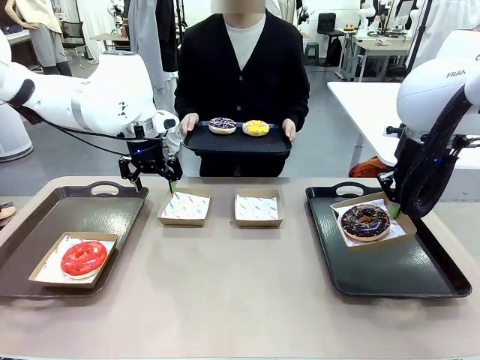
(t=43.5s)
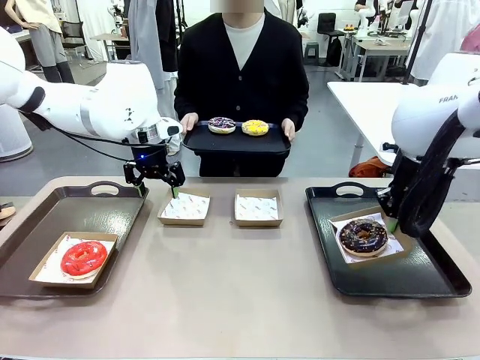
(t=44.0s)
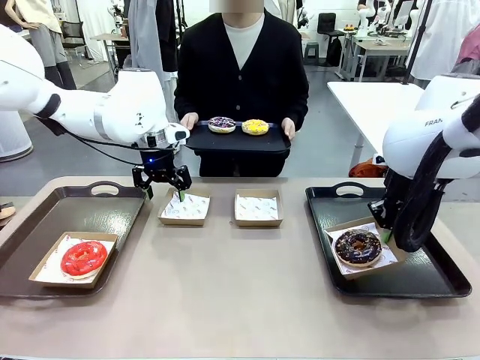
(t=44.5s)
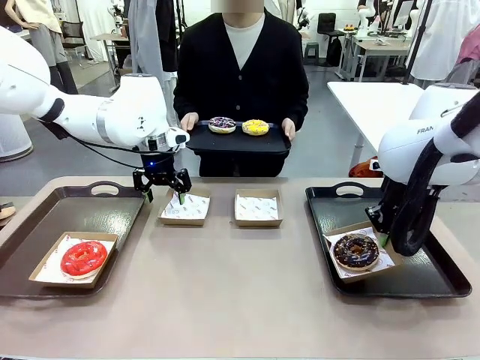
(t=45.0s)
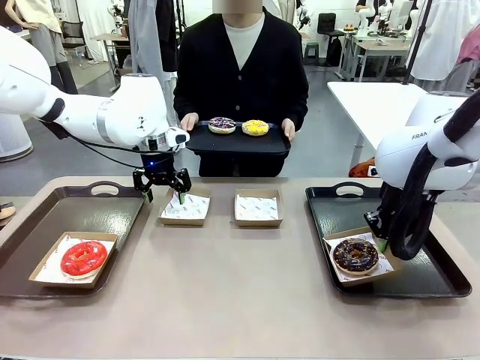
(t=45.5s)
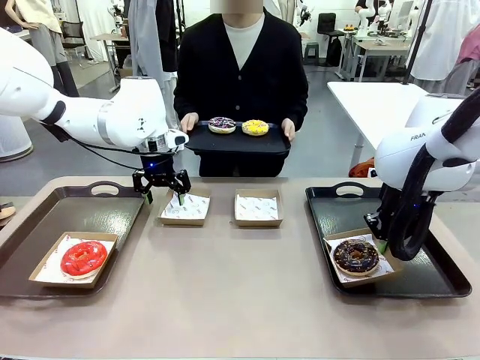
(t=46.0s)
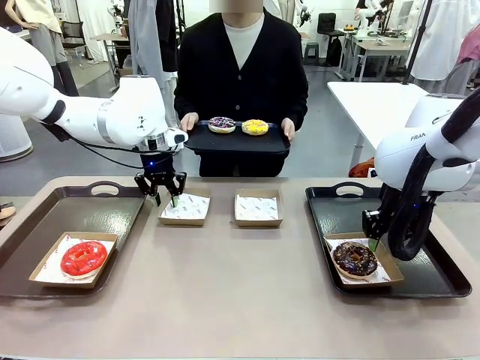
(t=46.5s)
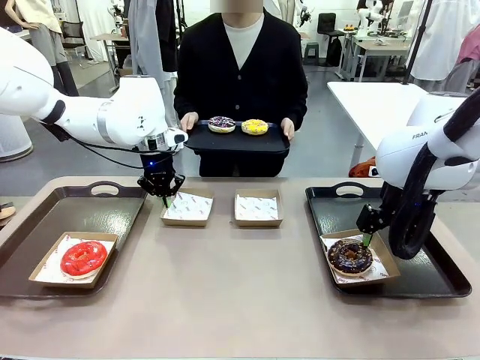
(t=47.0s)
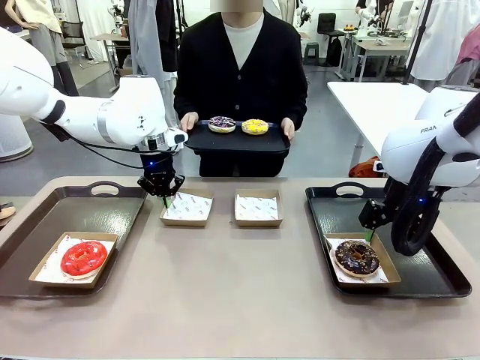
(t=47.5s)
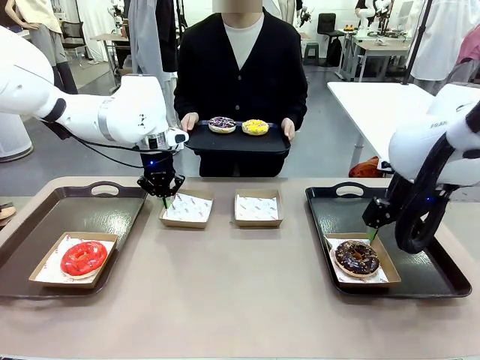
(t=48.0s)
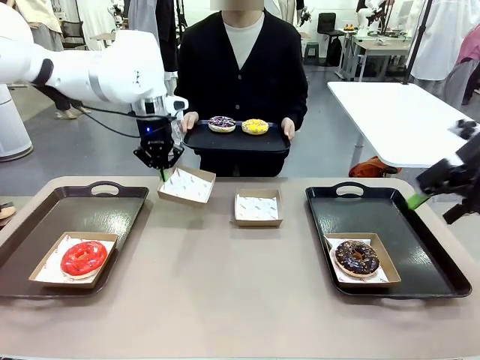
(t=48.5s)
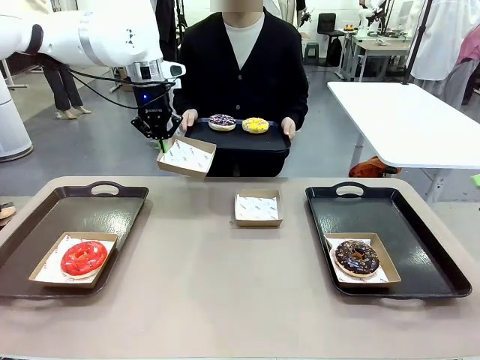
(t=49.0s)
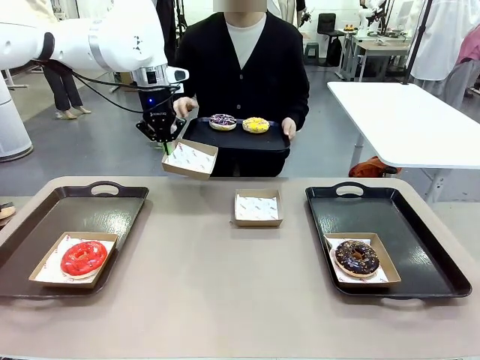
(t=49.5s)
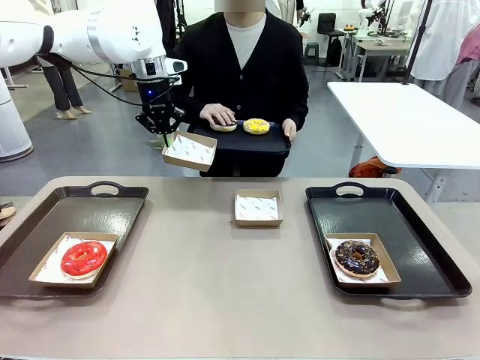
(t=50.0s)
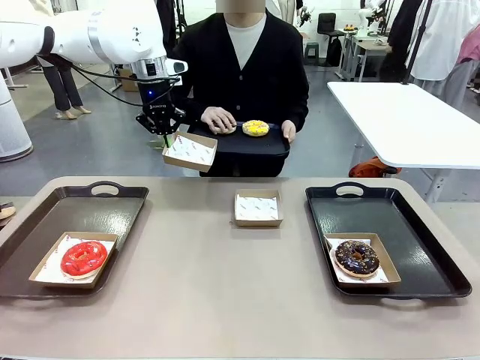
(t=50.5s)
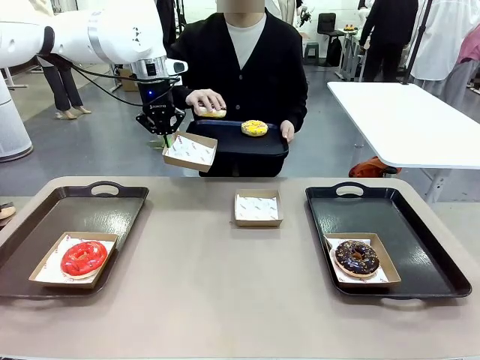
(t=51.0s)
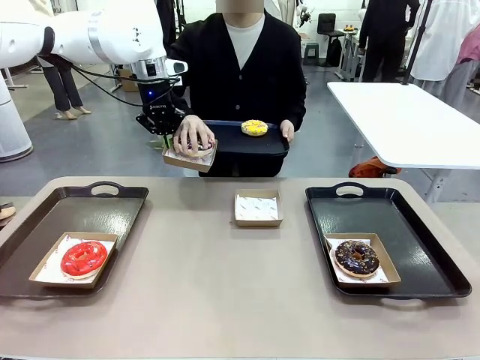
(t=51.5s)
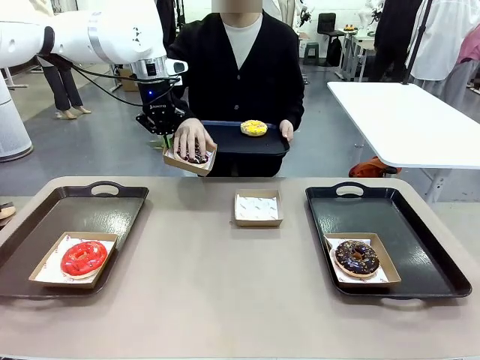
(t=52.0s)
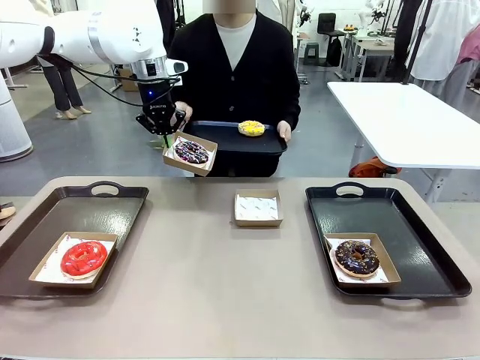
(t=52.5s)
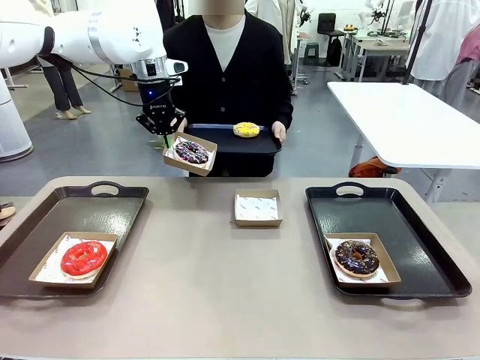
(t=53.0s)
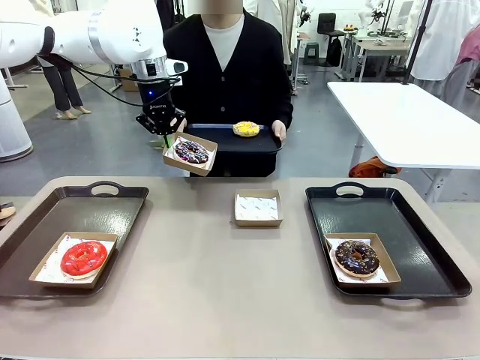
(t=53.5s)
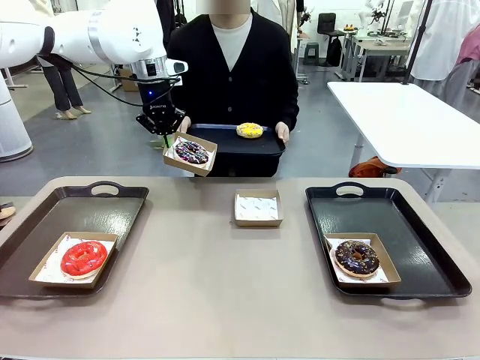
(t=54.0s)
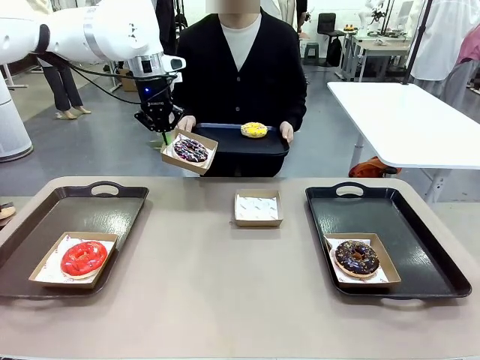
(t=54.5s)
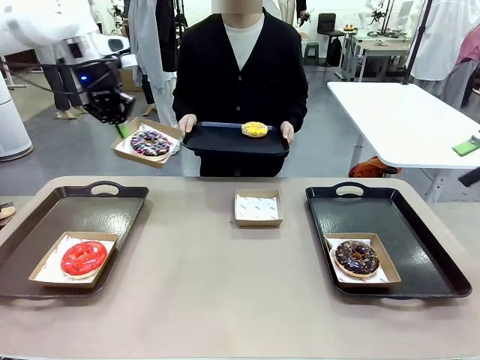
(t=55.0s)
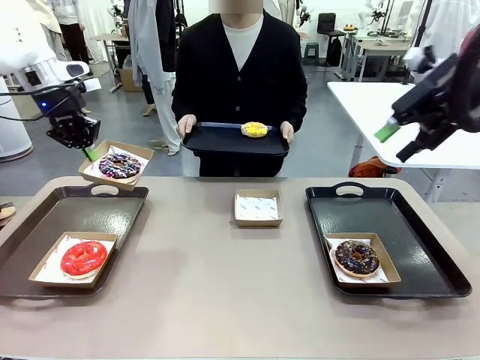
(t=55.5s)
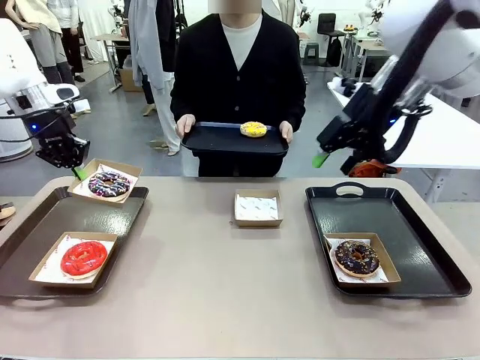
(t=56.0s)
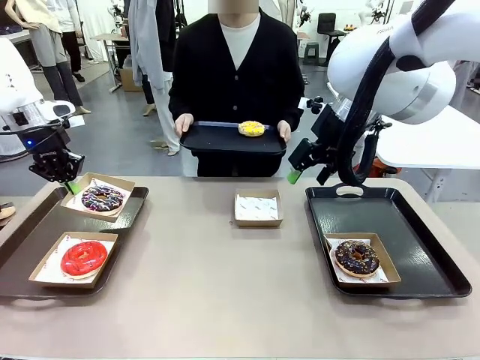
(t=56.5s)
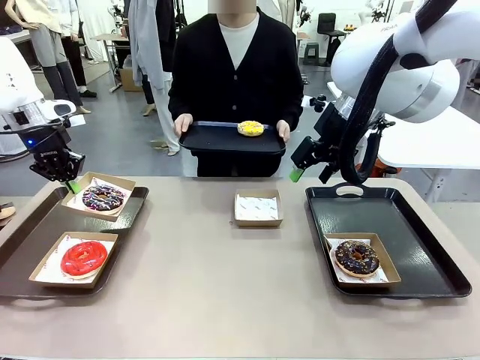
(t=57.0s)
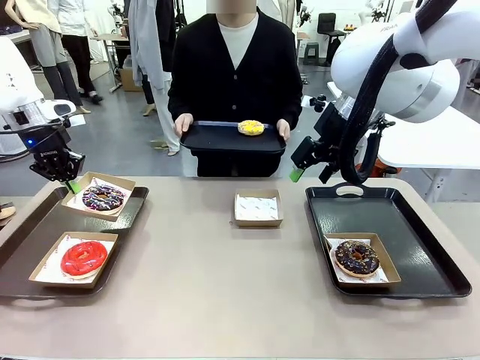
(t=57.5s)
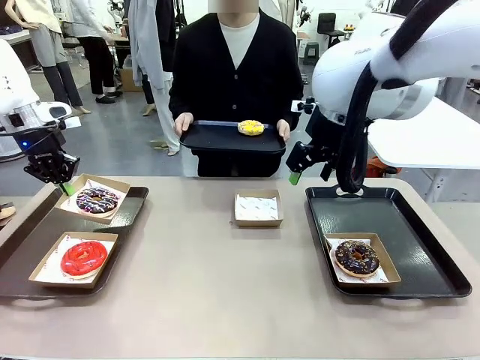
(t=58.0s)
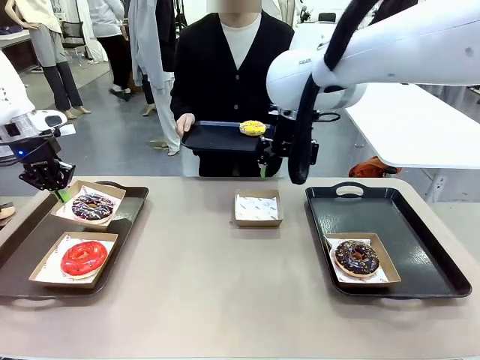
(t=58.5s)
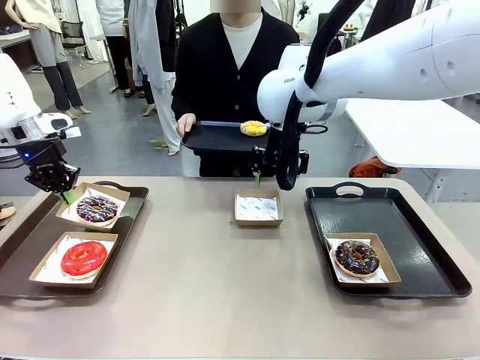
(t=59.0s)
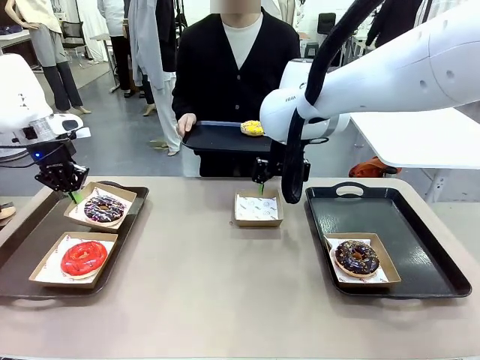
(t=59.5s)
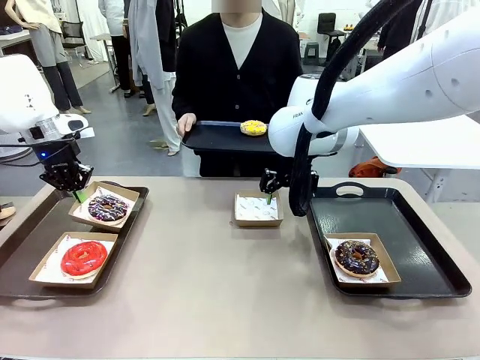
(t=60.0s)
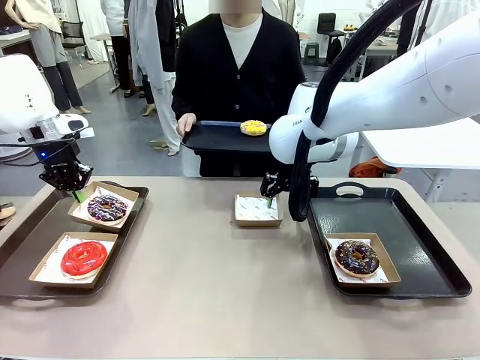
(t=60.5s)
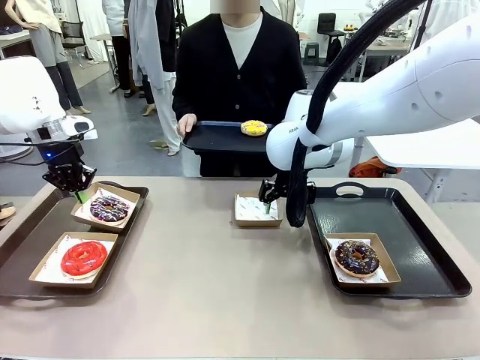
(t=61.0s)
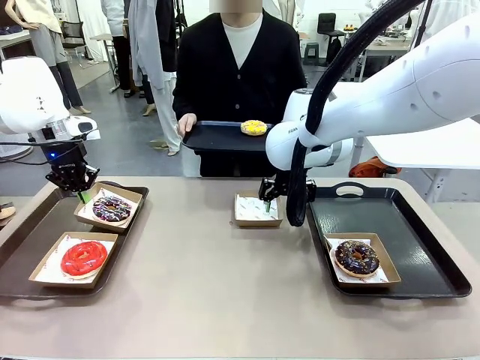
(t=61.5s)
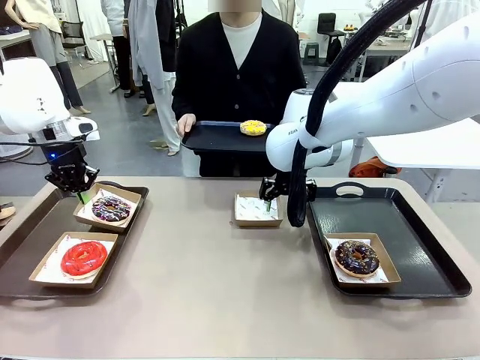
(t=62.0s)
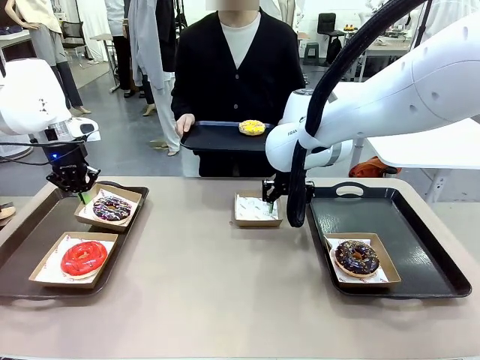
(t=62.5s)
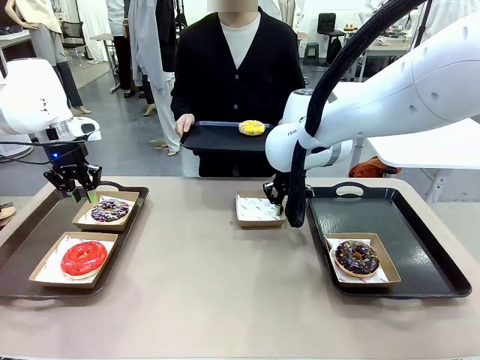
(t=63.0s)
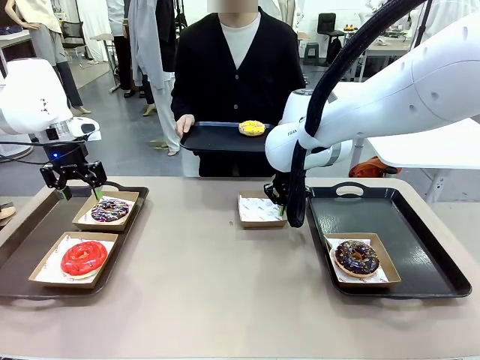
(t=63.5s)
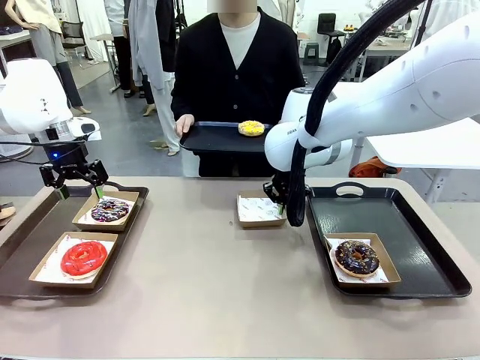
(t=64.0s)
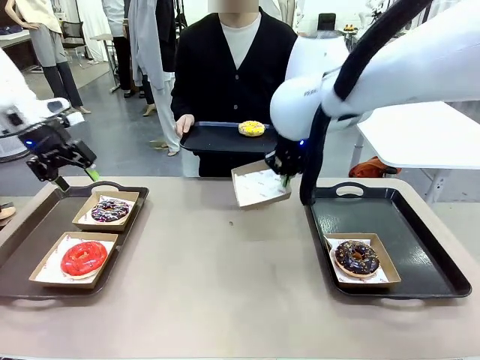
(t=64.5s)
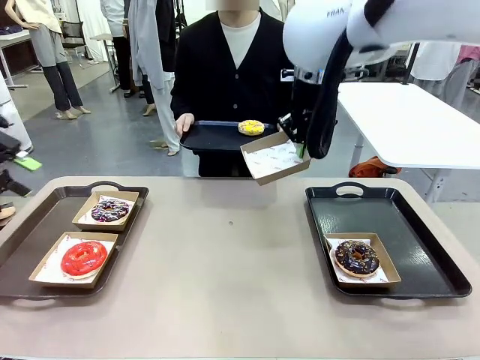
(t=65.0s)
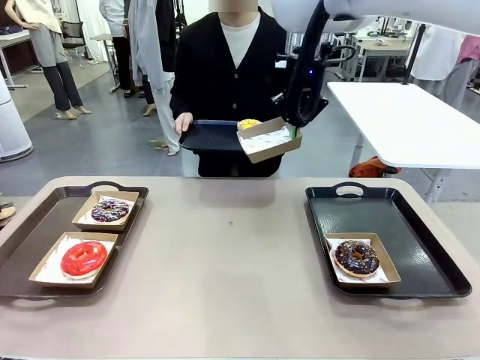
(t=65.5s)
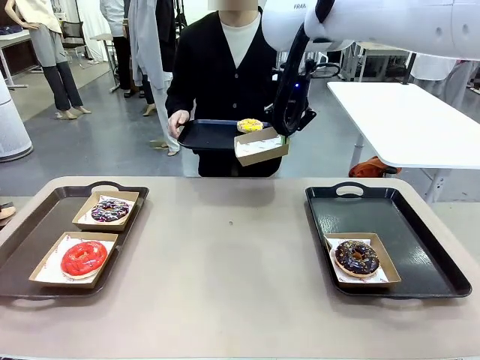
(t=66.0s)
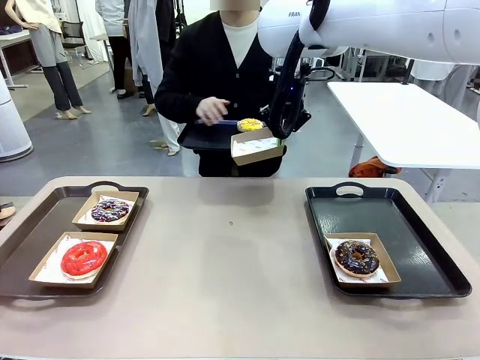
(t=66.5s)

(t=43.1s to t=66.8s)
Task: Individually package the donuts and arrange them on the tray.
Robot: Place the picked Paper togo box on the Handle tray while simultaneously picking up another Paper togo box from the table with the other hand.
